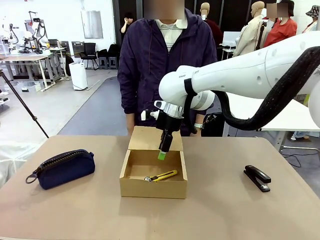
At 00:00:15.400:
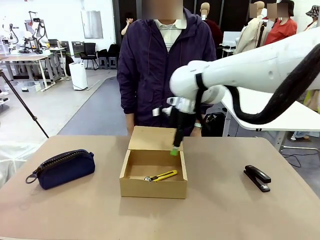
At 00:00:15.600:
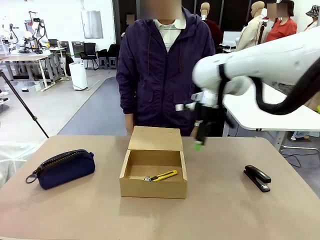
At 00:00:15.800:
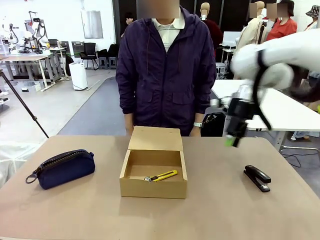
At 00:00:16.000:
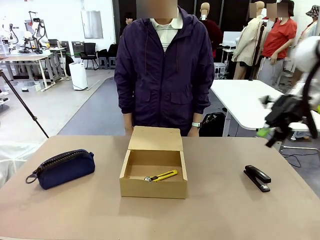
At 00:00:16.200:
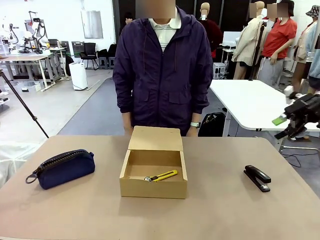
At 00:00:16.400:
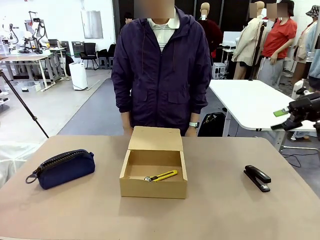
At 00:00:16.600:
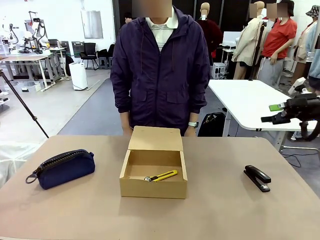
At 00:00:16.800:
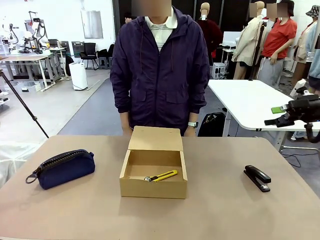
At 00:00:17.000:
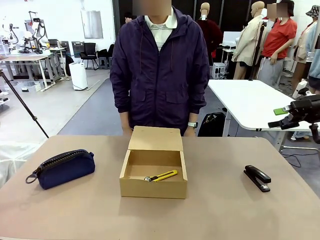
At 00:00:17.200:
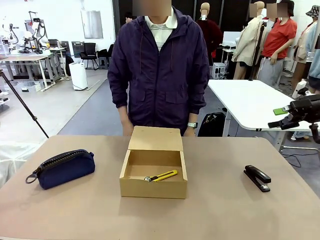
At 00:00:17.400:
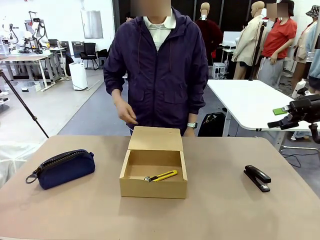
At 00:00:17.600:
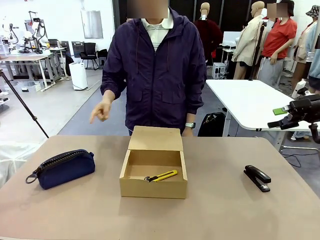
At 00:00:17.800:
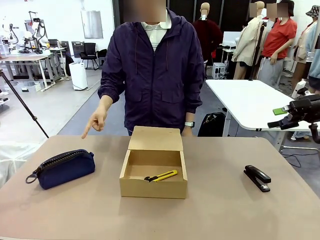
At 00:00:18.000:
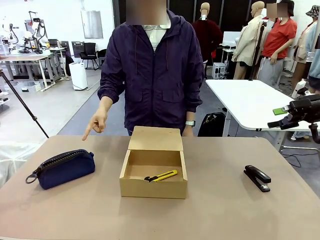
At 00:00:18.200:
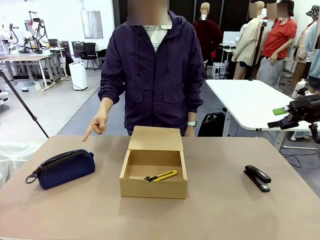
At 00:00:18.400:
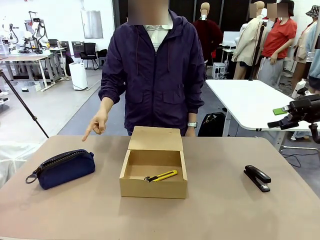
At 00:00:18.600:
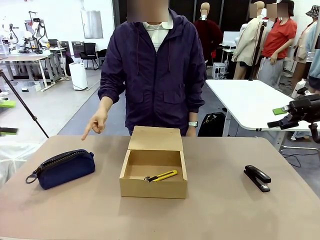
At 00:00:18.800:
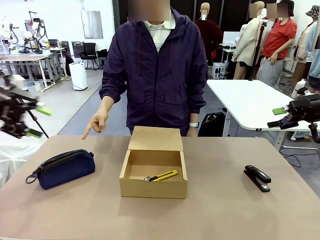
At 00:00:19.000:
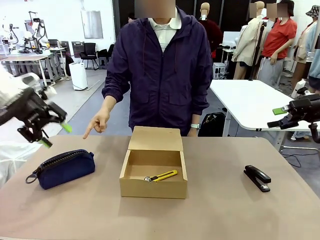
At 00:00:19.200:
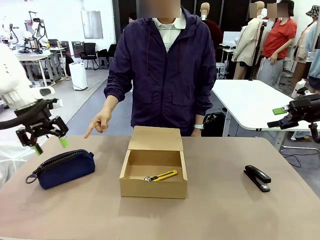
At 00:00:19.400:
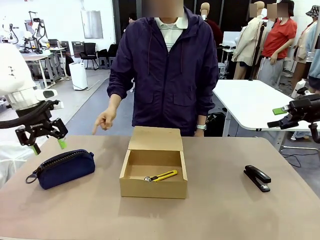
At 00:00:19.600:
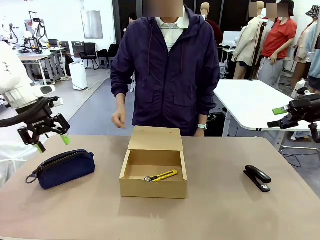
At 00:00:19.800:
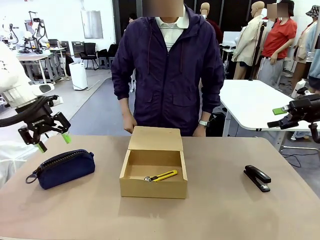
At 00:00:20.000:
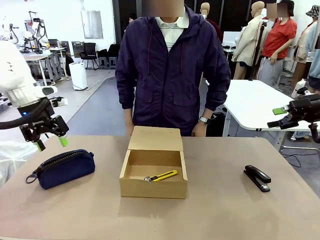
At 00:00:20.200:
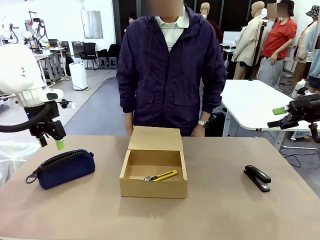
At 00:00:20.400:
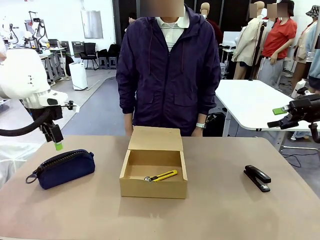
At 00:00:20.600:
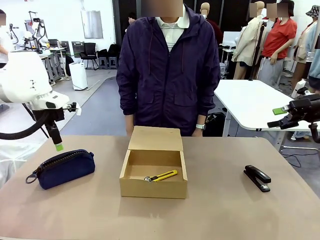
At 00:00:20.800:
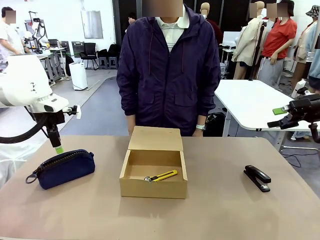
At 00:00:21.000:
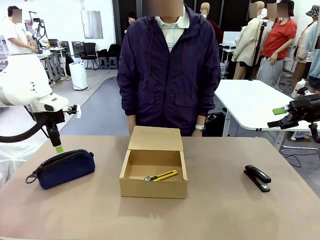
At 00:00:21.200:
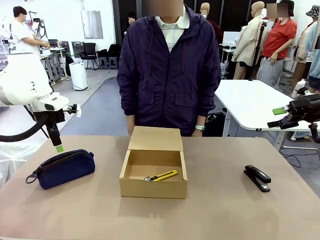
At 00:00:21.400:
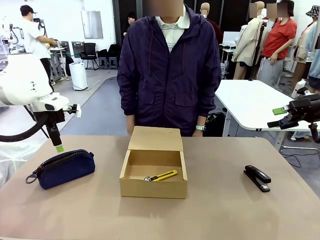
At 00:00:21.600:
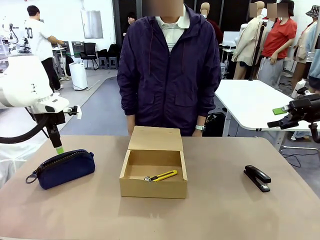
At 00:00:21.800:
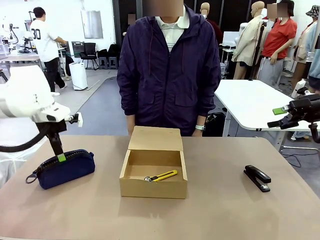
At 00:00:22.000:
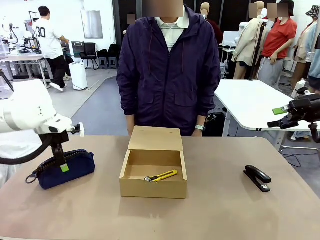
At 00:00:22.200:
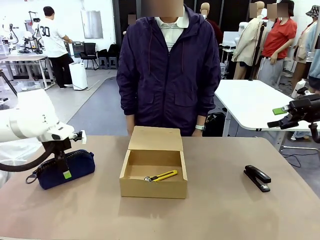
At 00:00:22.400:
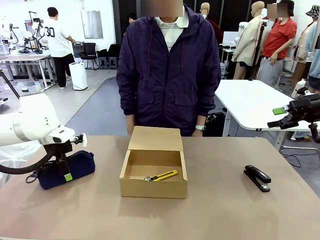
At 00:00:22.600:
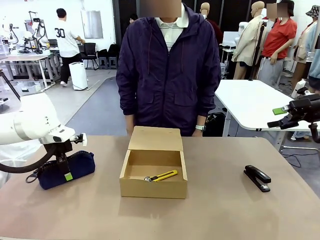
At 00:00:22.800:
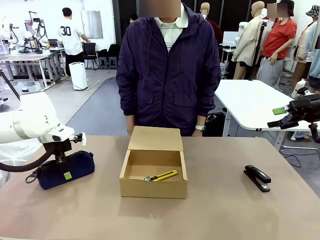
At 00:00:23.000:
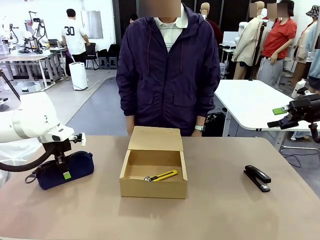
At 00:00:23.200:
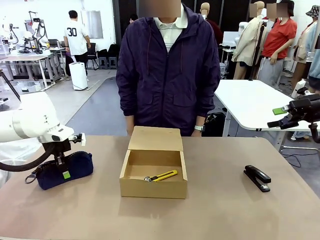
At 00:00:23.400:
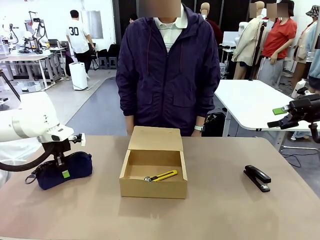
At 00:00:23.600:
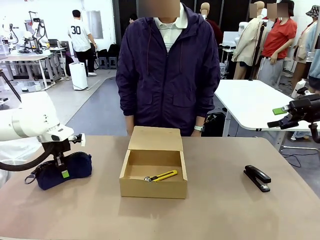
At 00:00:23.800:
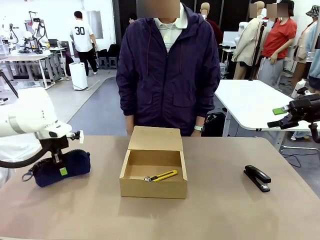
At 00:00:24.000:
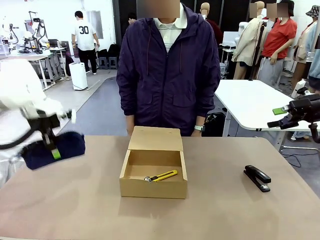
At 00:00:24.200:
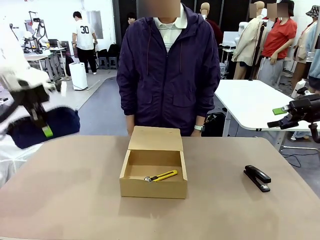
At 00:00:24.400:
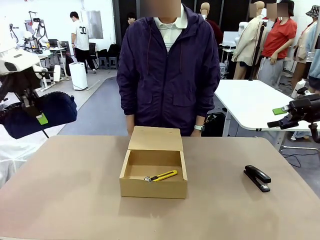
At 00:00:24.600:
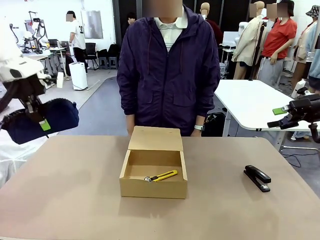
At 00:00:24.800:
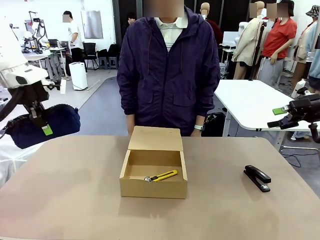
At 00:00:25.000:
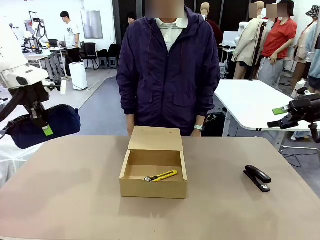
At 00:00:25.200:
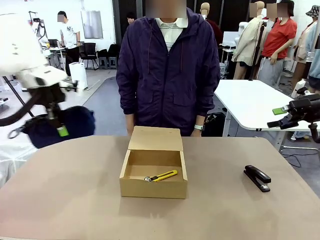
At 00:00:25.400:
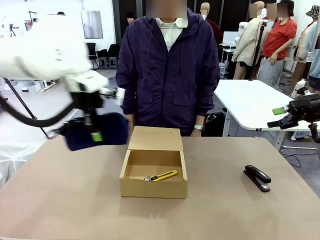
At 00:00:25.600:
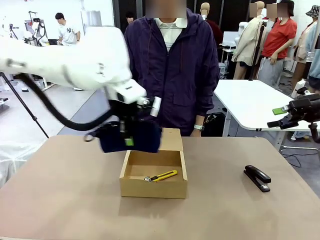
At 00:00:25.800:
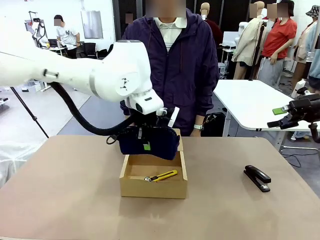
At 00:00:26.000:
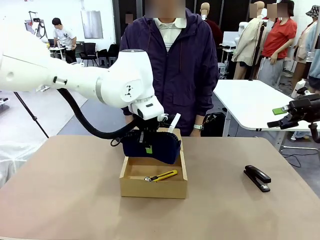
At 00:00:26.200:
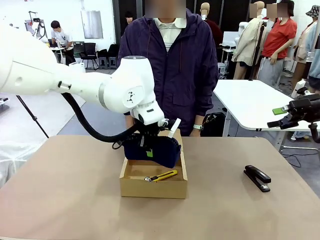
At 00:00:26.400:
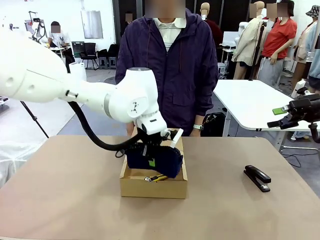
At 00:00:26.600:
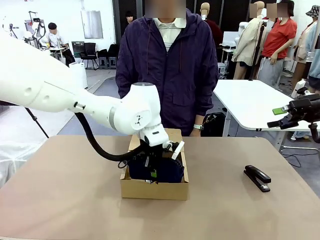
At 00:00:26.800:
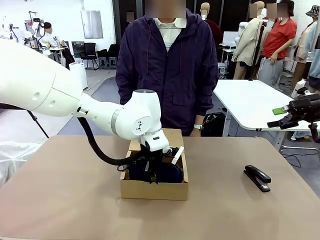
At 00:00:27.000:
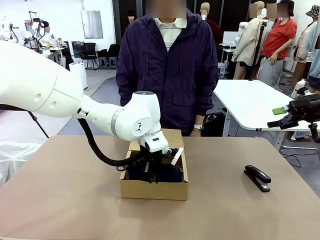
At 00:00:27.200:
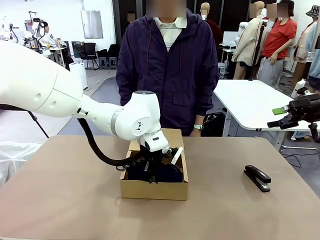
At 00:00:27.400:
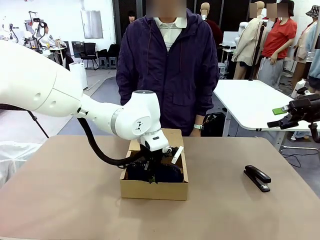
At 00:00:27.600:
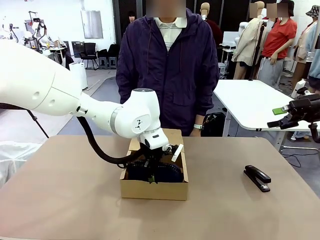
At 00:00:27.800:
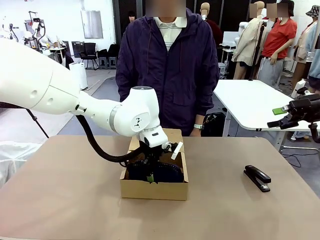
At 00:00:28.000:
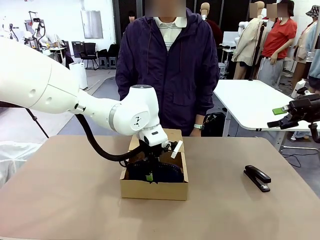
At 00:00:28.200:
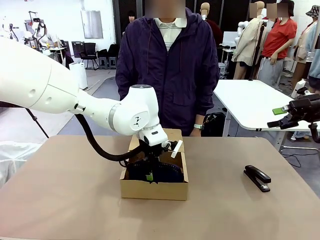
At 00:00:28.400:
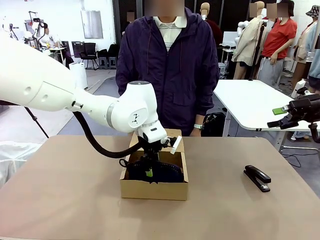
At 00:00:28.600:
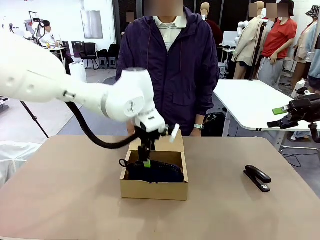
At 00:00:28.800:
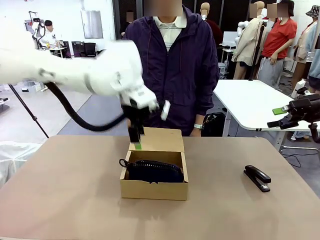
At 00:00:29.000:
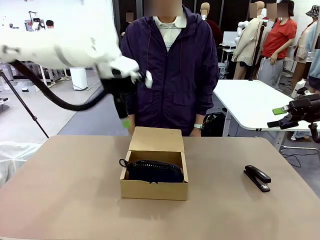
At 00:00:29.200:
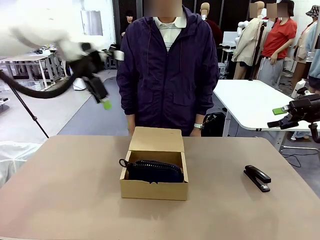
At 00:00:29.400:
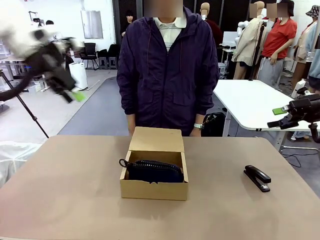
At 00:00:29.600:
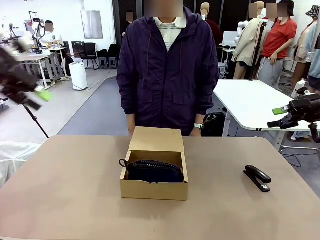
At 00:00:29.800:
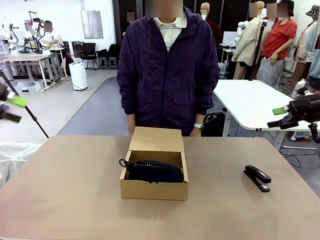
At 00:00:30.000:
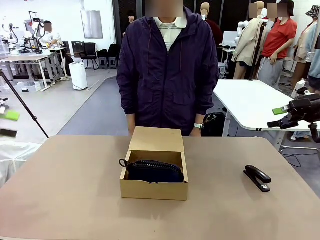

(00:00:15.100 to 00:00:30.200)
Task: Pack the items into the box.
Robot: Pick up the item specified by the human and place it in the Mailer Box.
Person: Lower both hands vertically with palms facing downward, as if pressing something closed.
